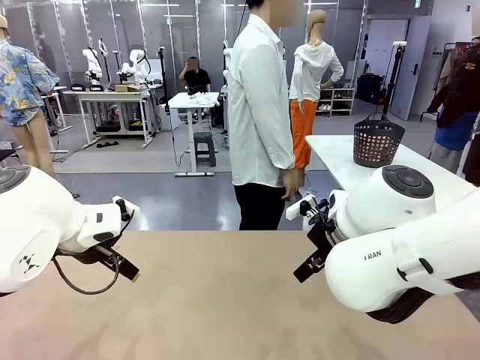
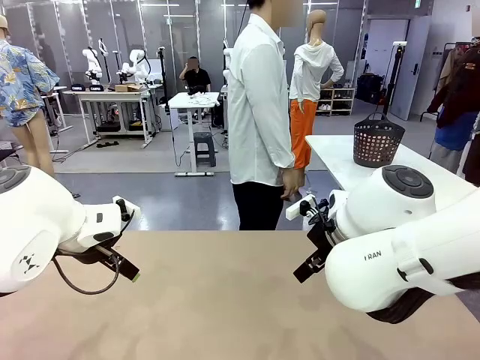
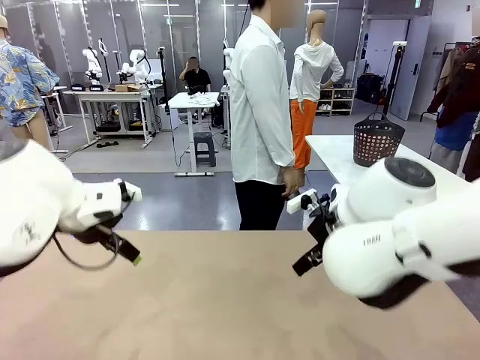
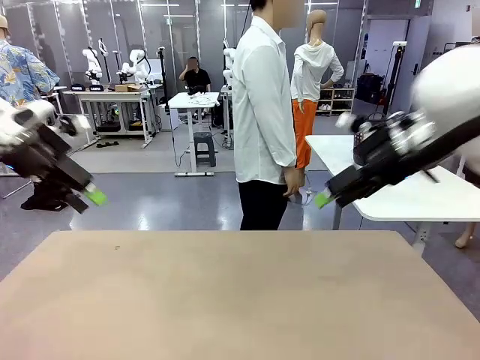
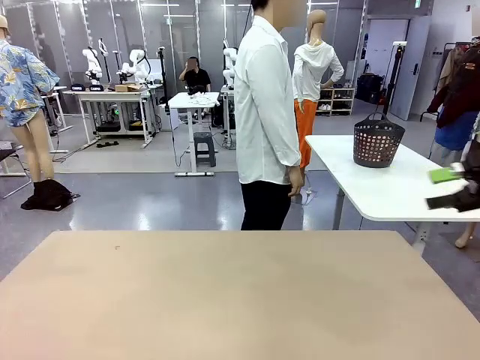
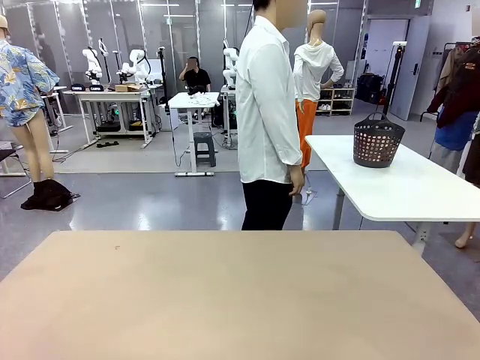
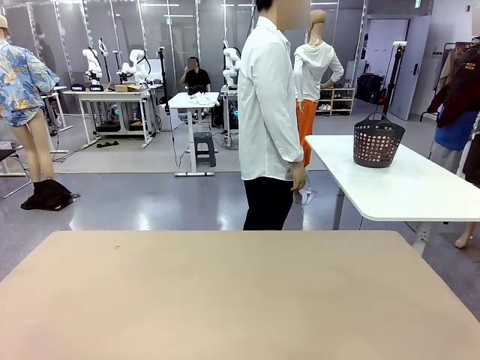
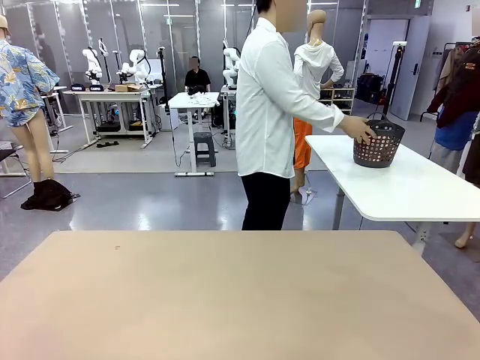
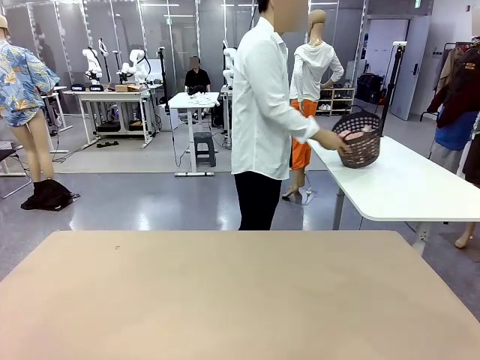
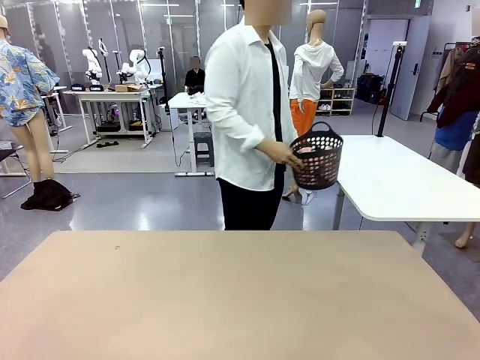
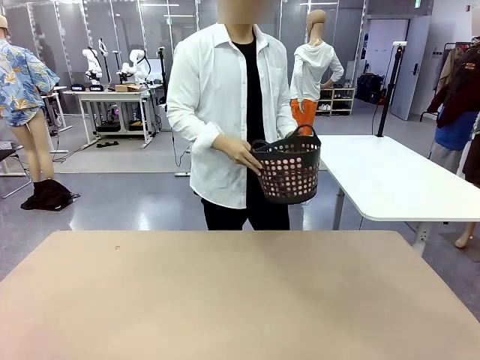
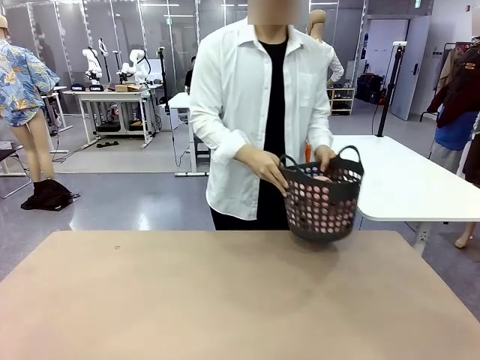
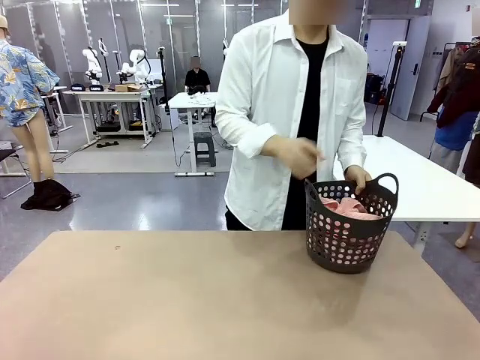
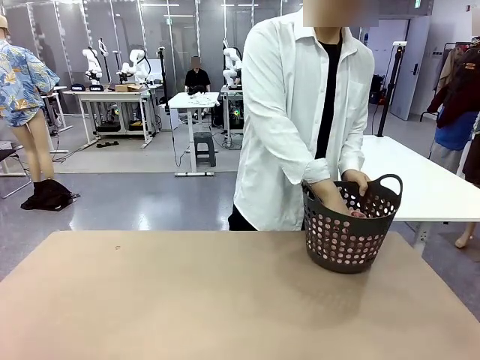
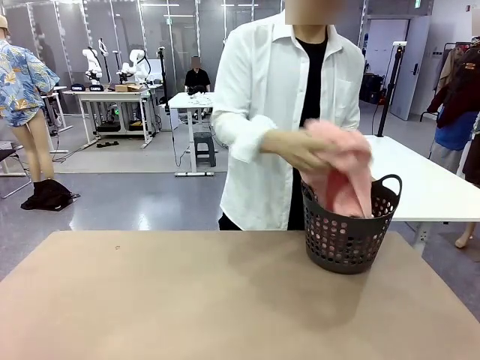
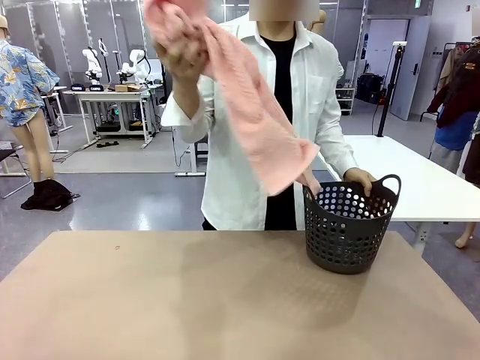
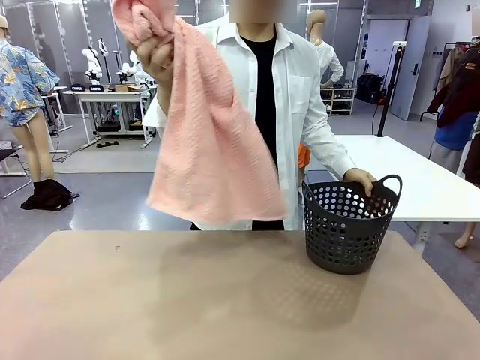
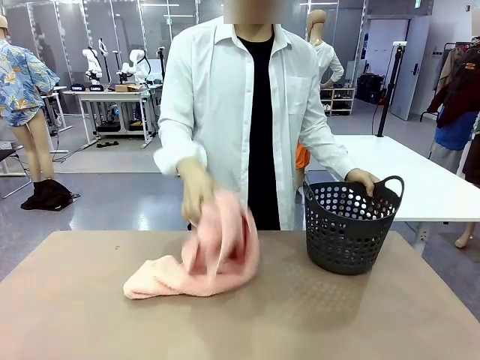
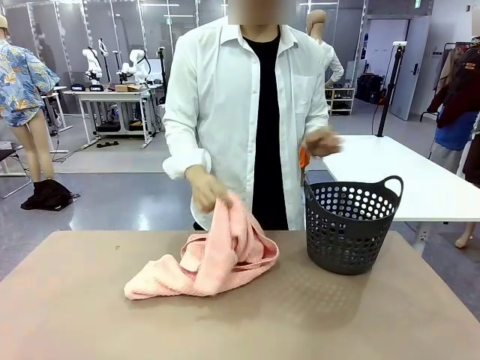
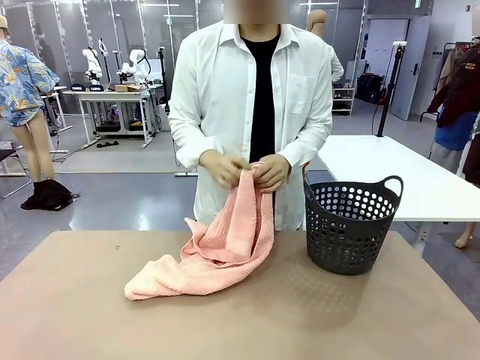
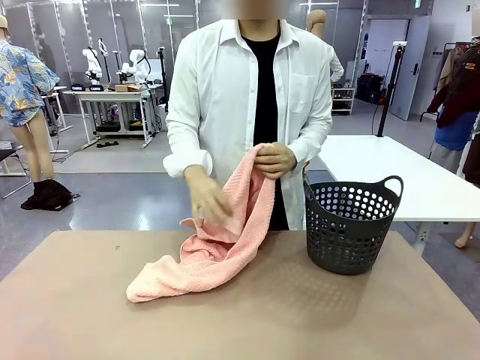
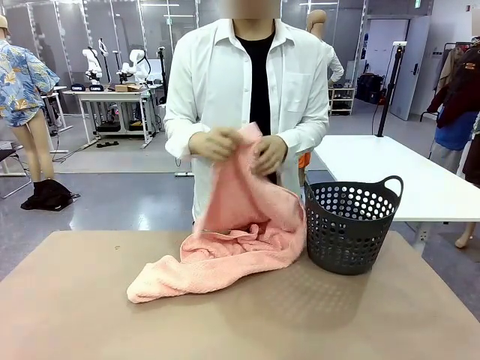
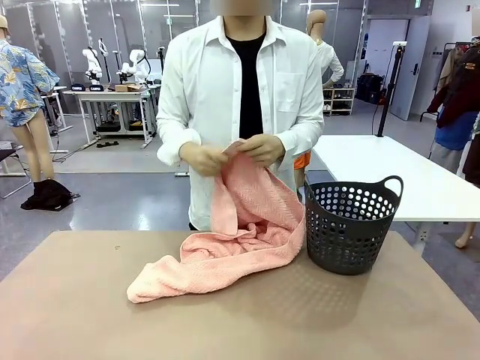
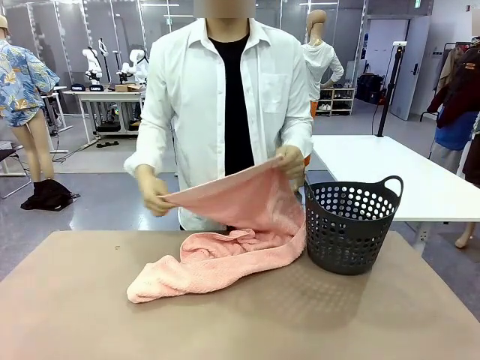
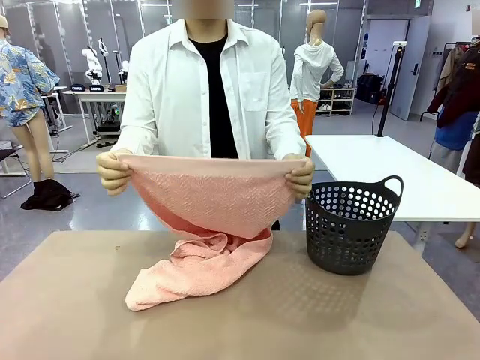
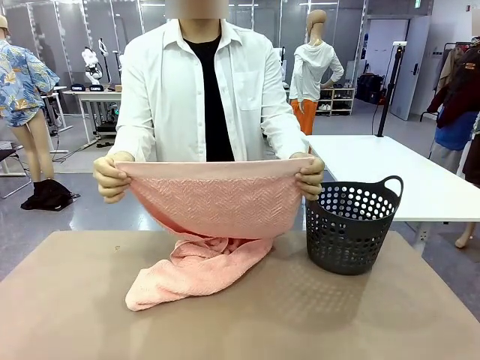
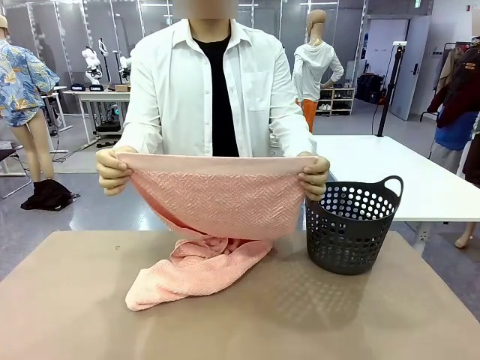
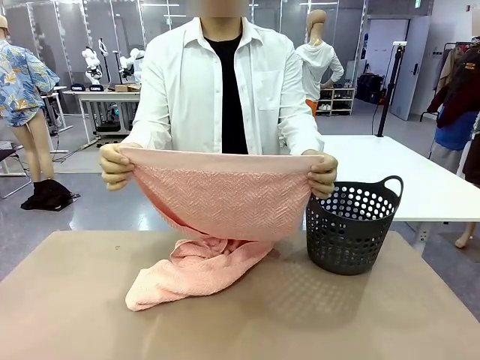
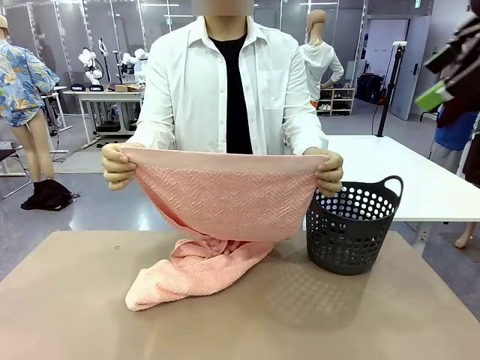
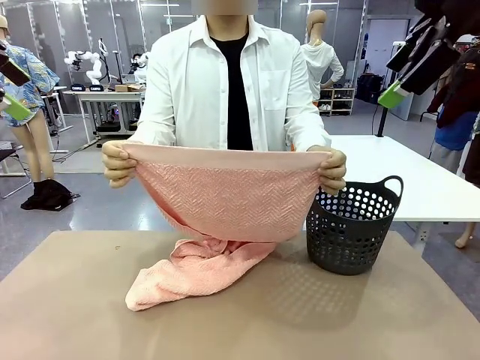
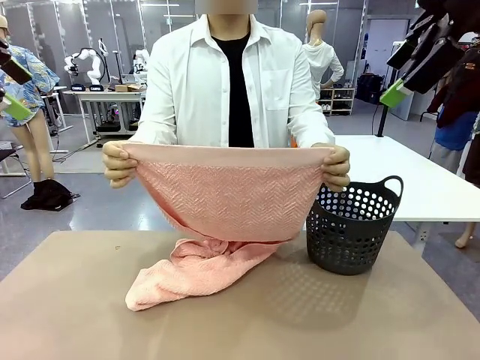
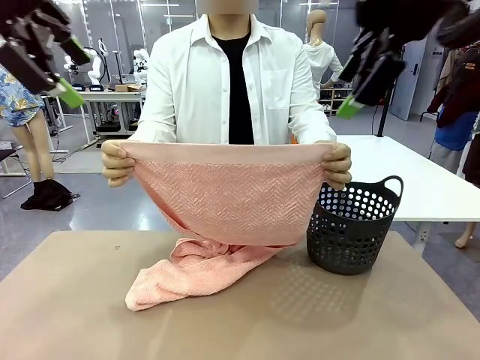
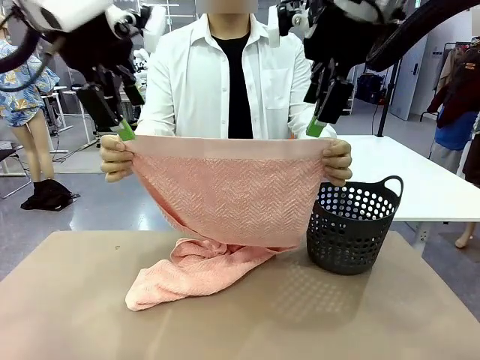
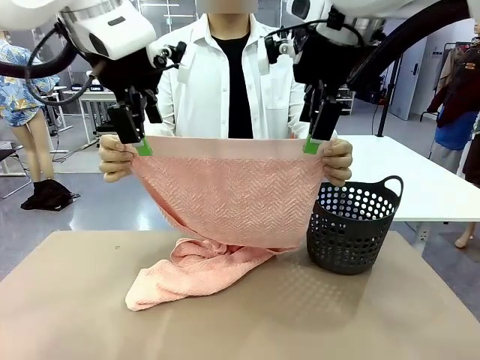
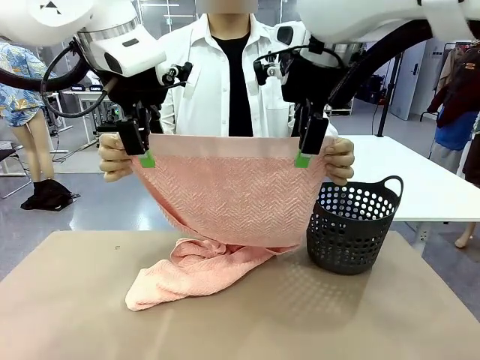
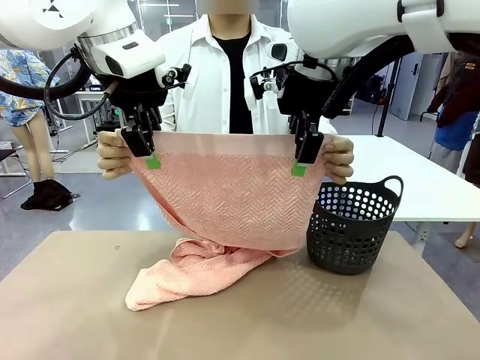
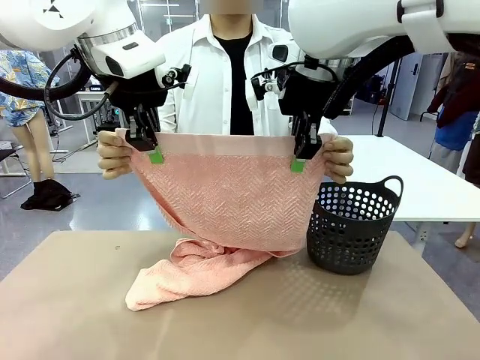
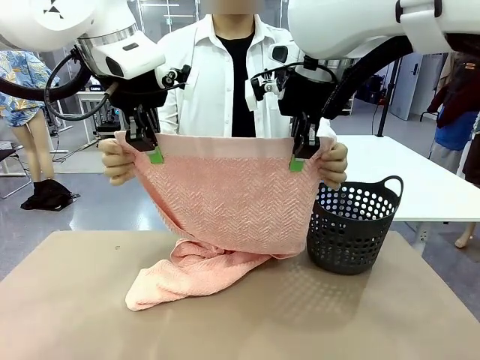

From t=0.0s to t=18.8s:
Task: Fold the towel.
Robot: Grab the top end of the 100 cm Hotel Towel extended by the human.
Person: Pick up the laundry basket, place it on the left side of the robot table, then take out a towel and hand it to the robot while holding both corners of one end.

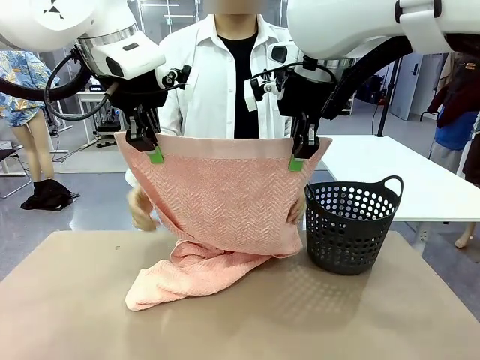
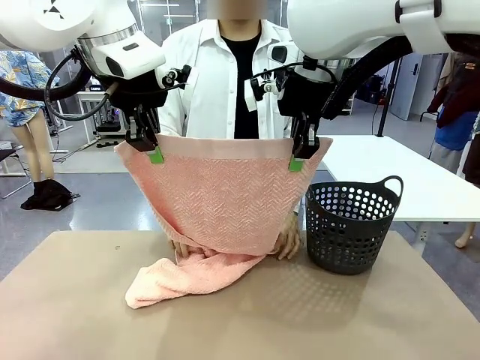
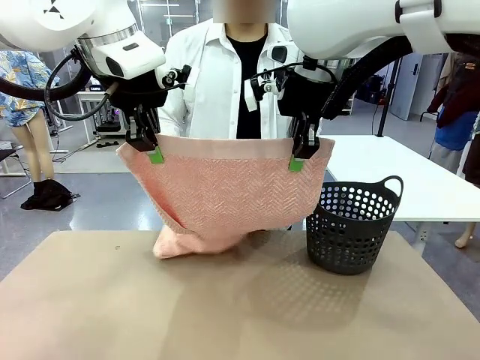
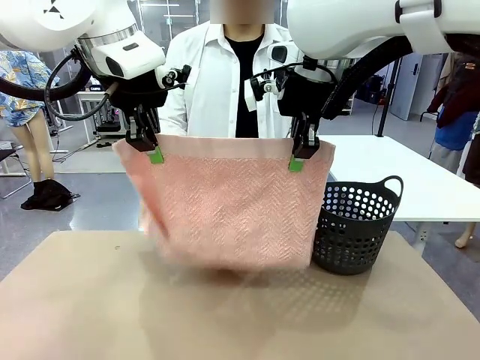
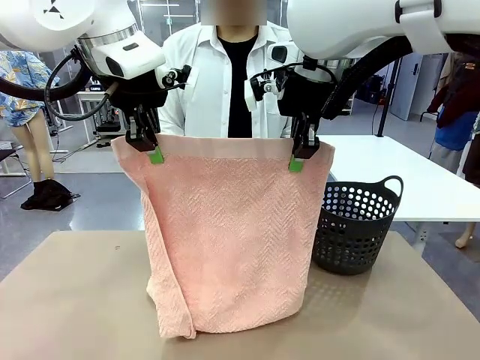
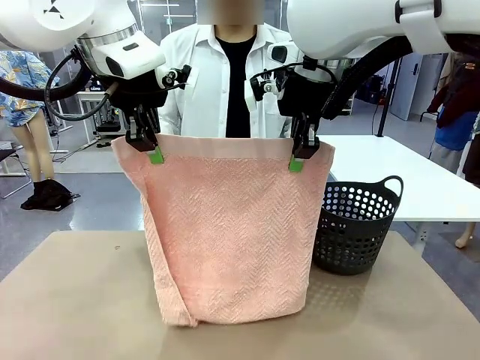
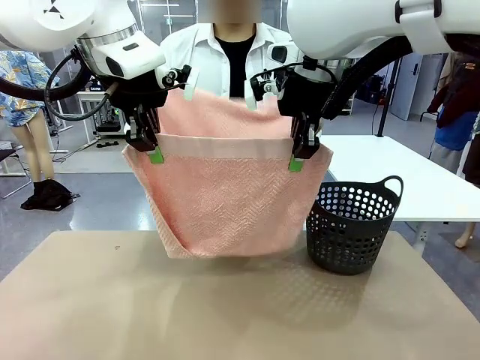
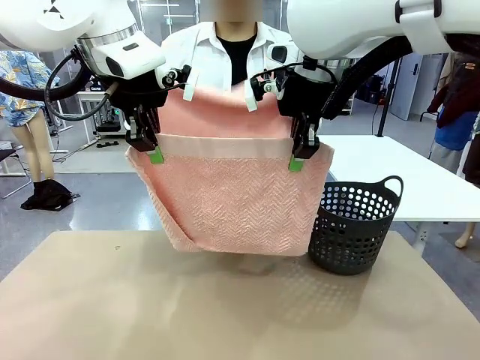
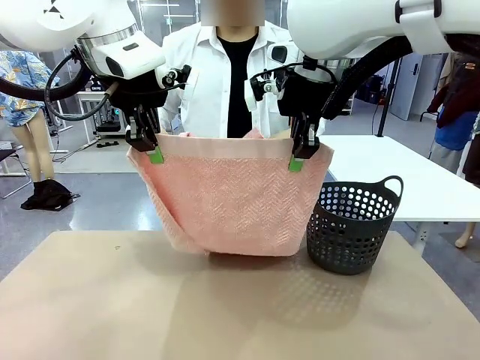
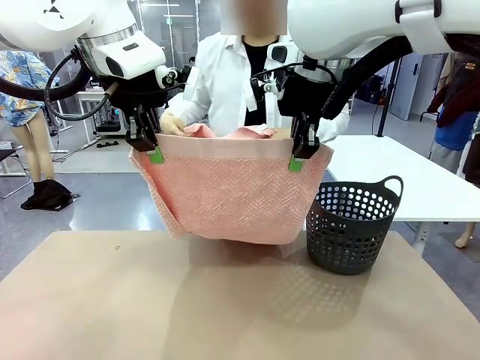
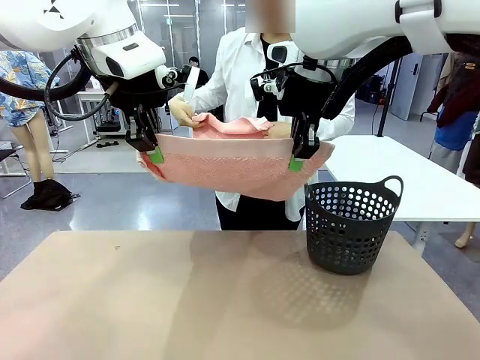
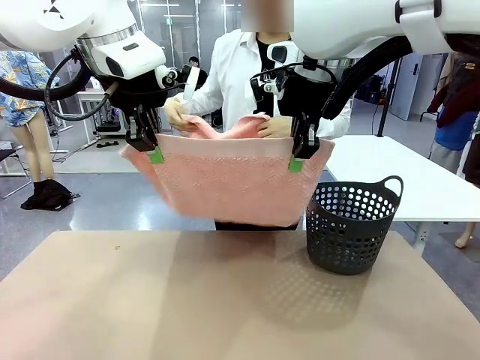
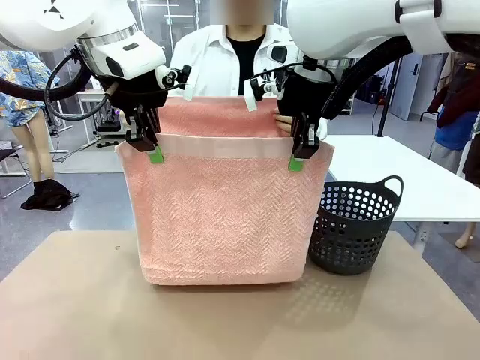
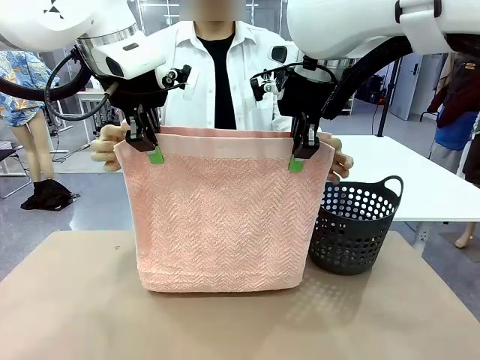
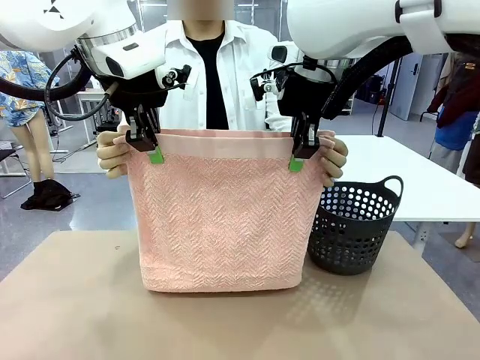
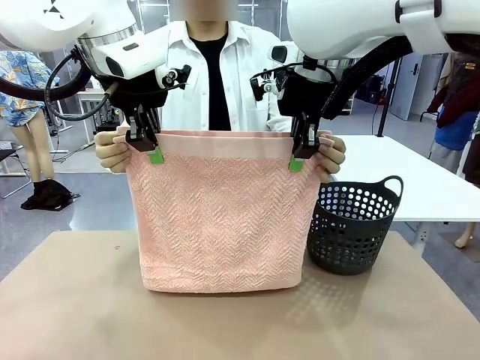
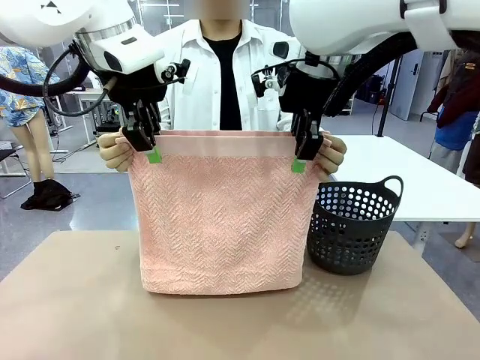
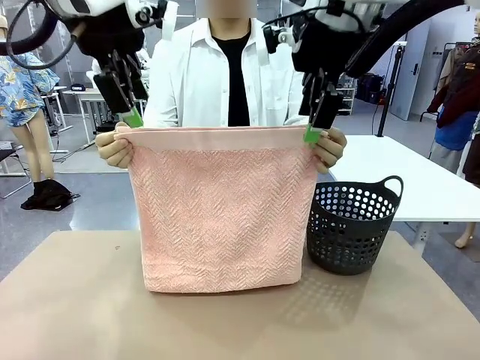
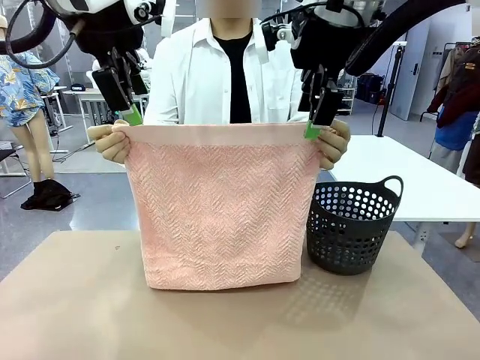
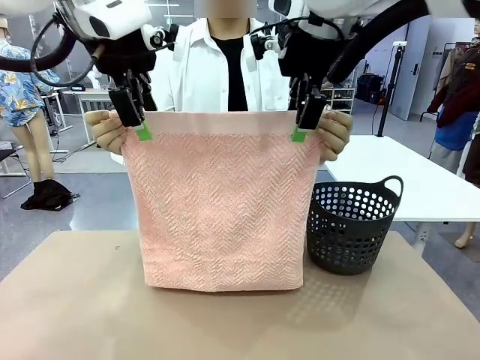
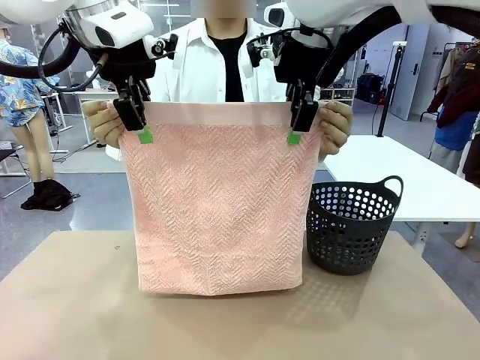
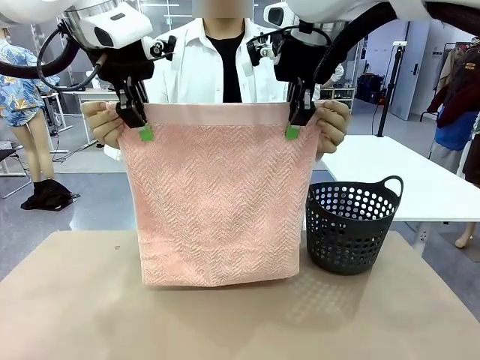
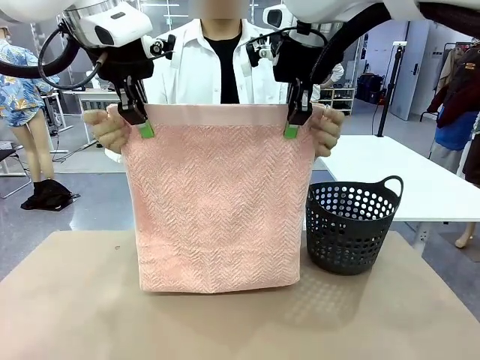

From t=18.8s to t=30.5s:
Robot: Release the end of the 100 cm Hotel Towel you were holding and grab the top end of the folded side.
Person: Using the point held by the robot as a reference, grasp the opposite end, fold the towel in half, and then hold both ends of the folded towel.
